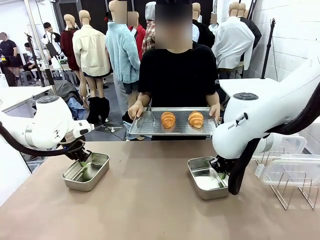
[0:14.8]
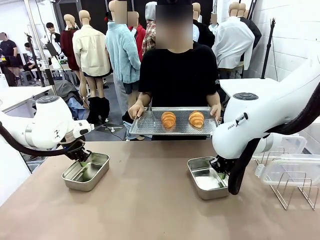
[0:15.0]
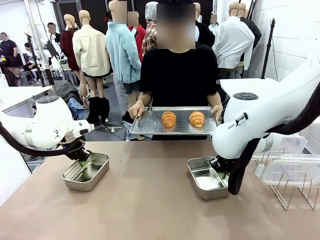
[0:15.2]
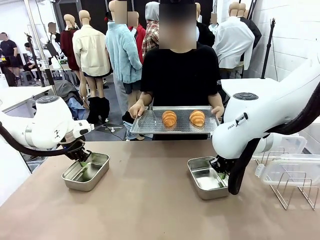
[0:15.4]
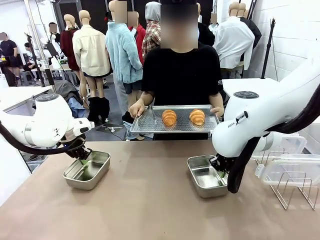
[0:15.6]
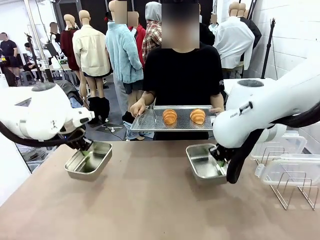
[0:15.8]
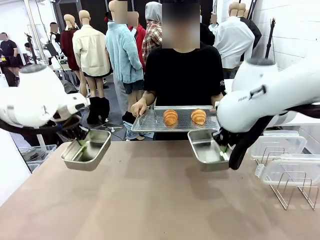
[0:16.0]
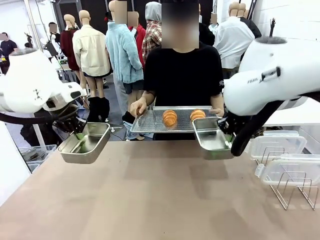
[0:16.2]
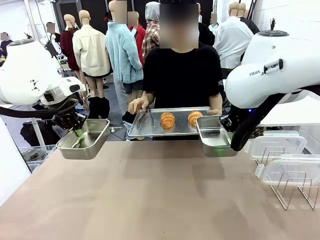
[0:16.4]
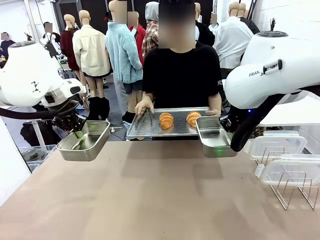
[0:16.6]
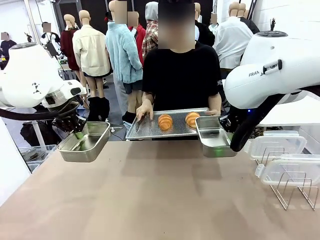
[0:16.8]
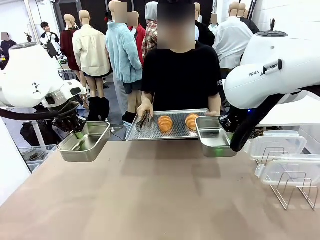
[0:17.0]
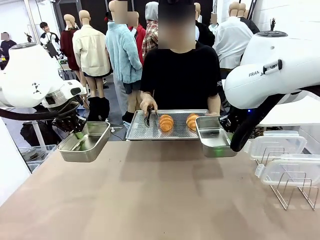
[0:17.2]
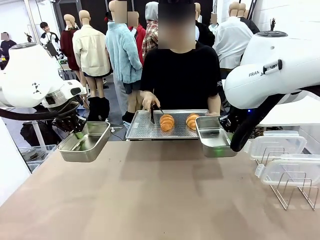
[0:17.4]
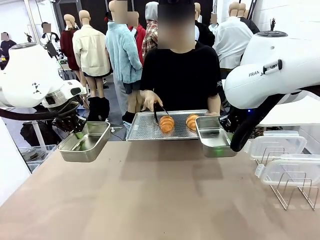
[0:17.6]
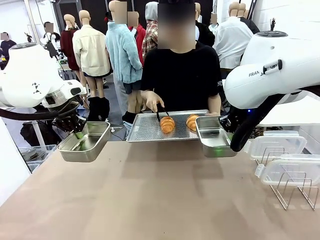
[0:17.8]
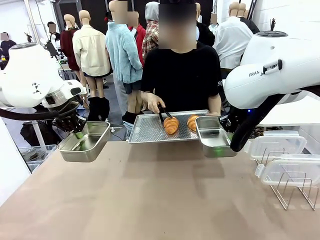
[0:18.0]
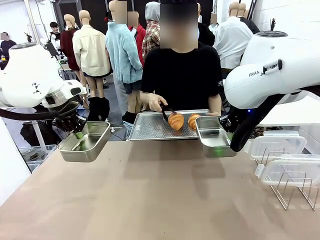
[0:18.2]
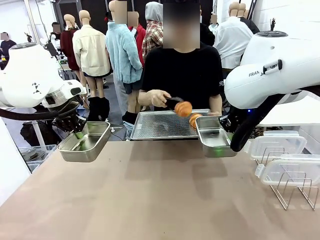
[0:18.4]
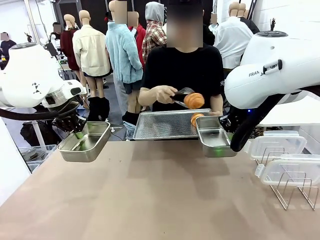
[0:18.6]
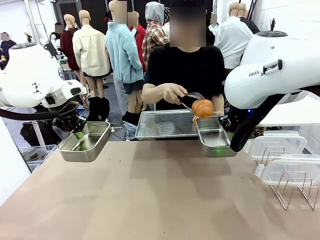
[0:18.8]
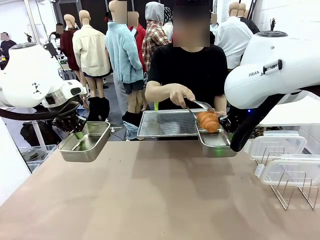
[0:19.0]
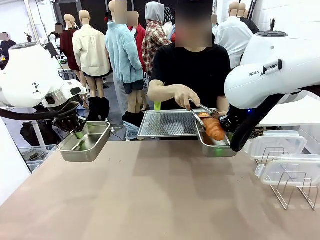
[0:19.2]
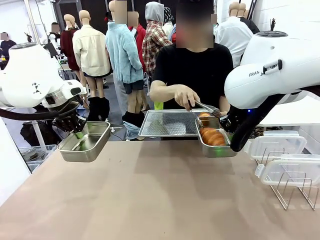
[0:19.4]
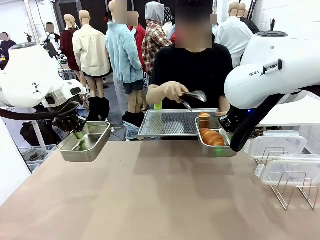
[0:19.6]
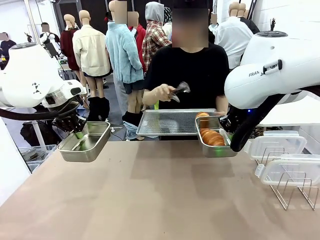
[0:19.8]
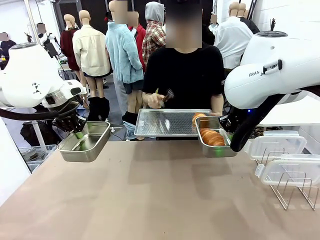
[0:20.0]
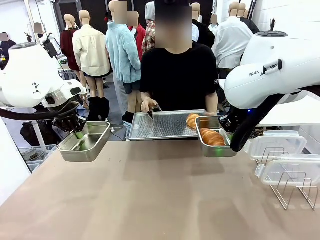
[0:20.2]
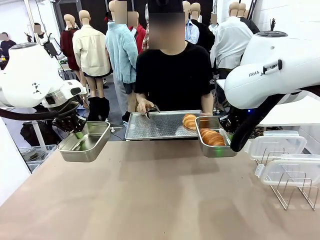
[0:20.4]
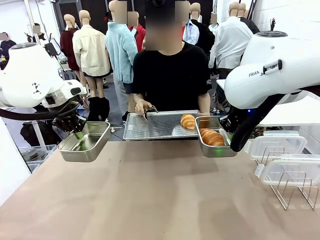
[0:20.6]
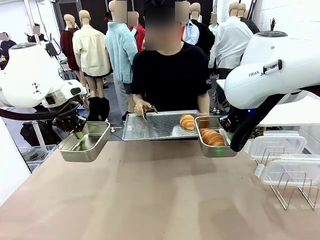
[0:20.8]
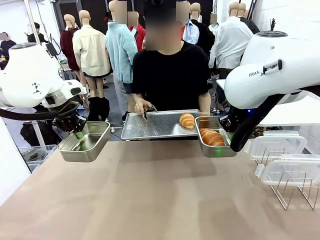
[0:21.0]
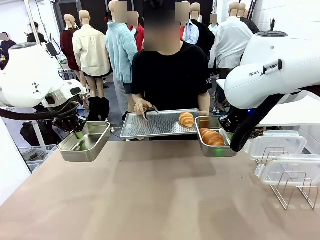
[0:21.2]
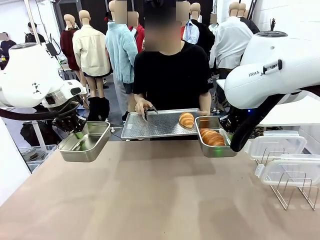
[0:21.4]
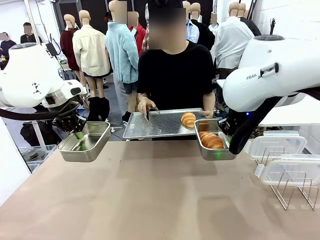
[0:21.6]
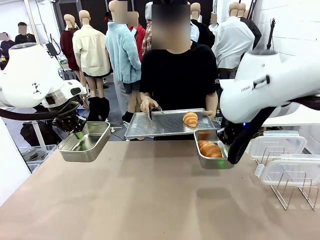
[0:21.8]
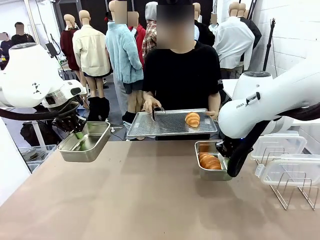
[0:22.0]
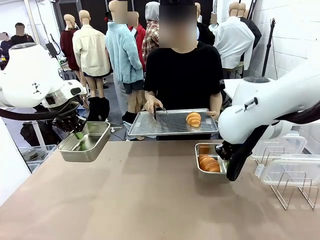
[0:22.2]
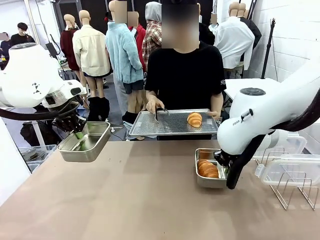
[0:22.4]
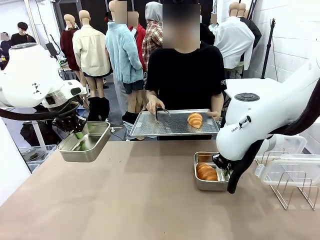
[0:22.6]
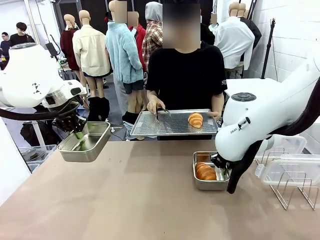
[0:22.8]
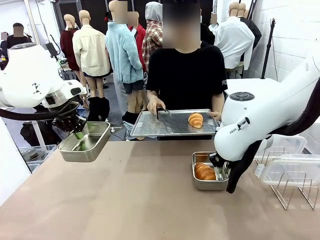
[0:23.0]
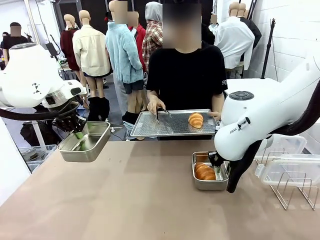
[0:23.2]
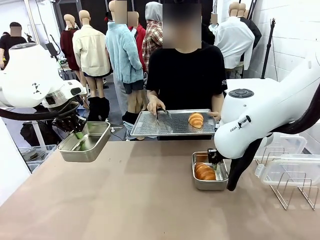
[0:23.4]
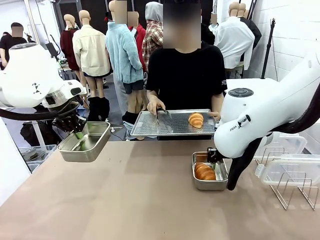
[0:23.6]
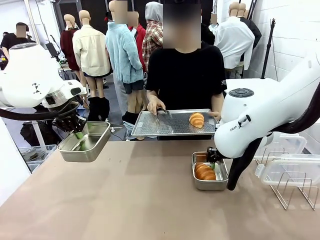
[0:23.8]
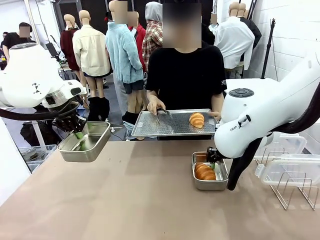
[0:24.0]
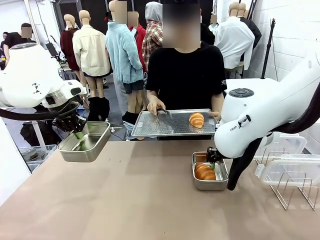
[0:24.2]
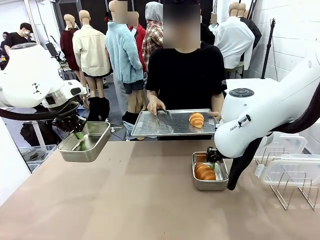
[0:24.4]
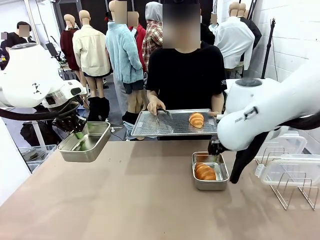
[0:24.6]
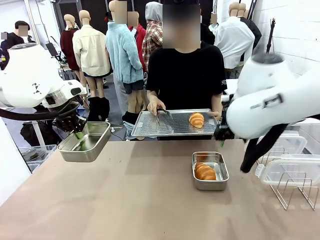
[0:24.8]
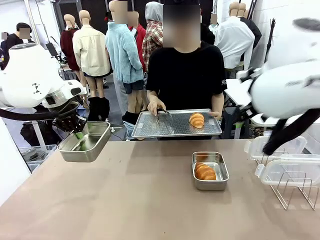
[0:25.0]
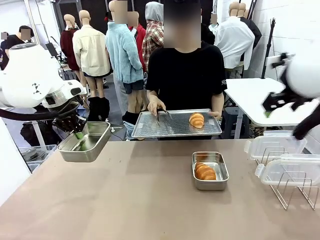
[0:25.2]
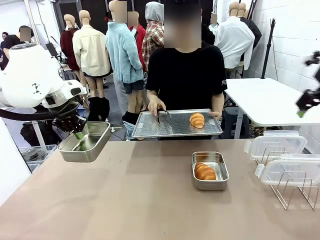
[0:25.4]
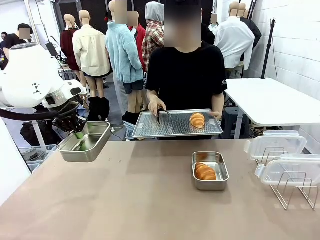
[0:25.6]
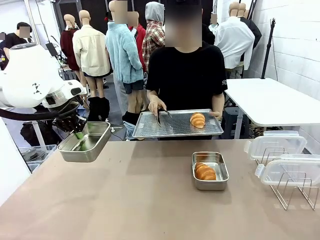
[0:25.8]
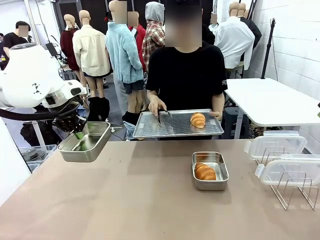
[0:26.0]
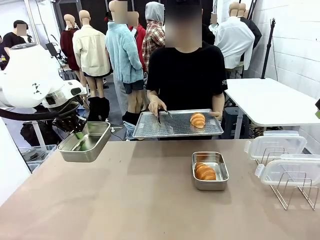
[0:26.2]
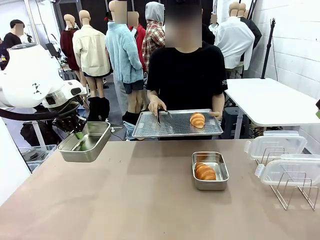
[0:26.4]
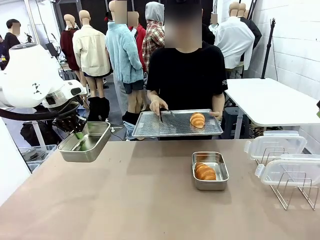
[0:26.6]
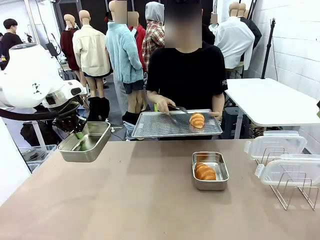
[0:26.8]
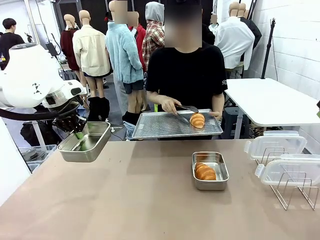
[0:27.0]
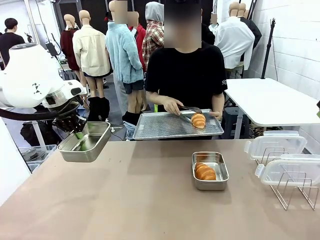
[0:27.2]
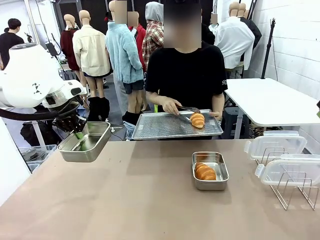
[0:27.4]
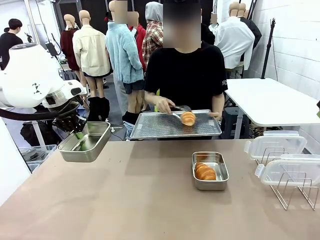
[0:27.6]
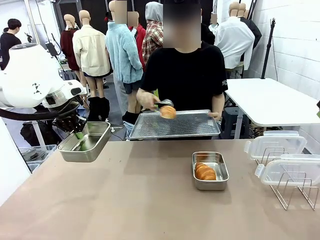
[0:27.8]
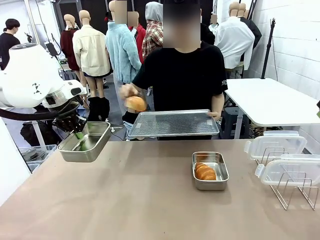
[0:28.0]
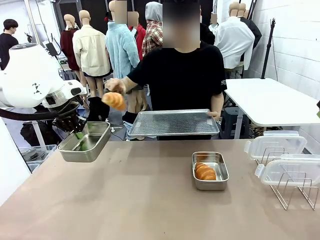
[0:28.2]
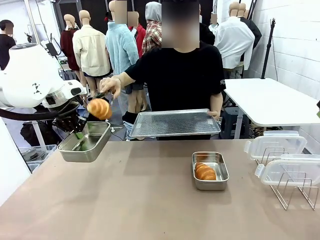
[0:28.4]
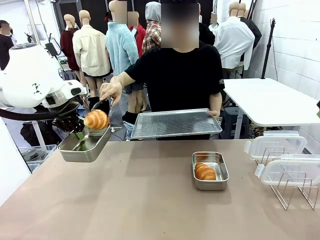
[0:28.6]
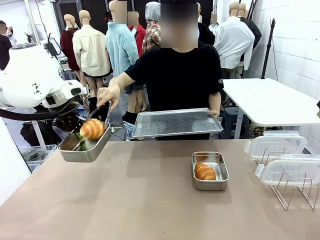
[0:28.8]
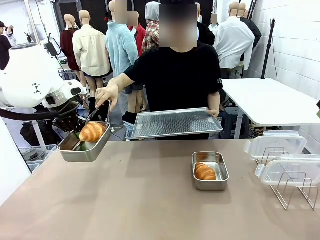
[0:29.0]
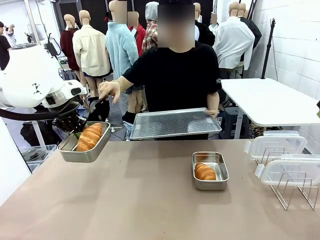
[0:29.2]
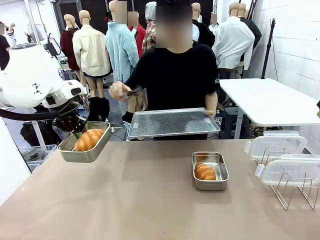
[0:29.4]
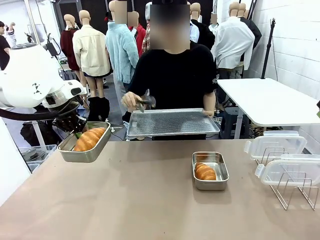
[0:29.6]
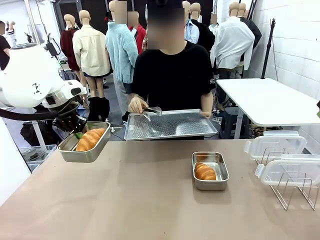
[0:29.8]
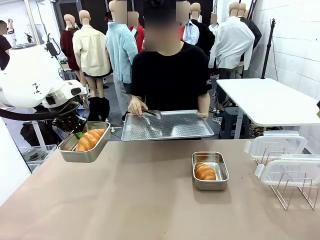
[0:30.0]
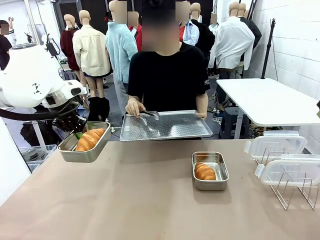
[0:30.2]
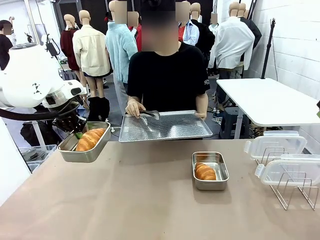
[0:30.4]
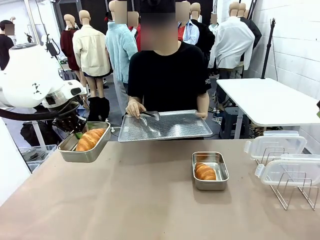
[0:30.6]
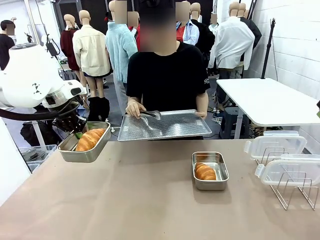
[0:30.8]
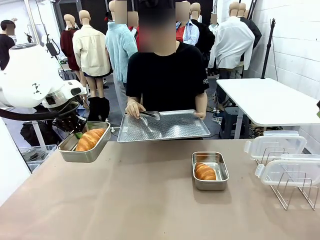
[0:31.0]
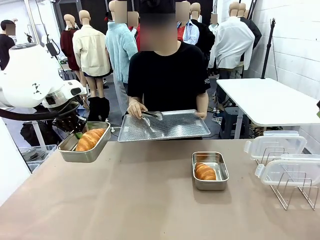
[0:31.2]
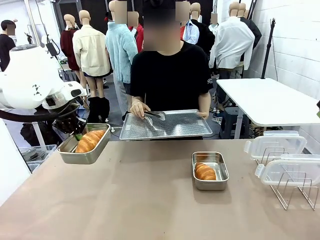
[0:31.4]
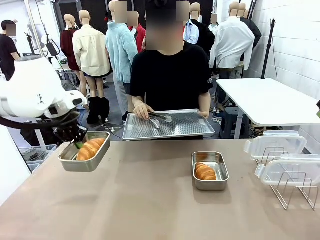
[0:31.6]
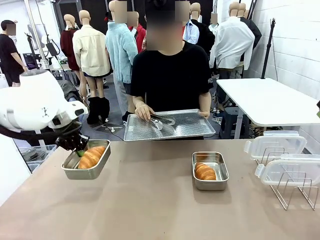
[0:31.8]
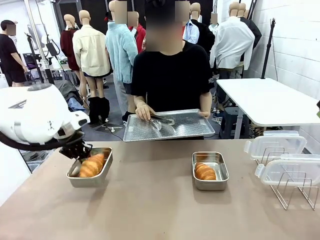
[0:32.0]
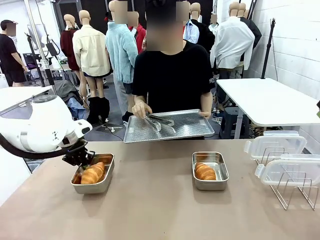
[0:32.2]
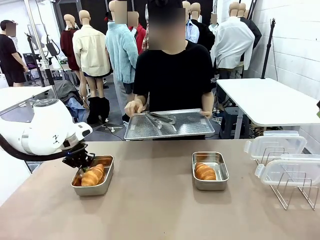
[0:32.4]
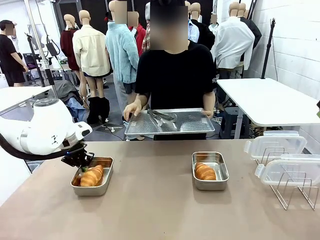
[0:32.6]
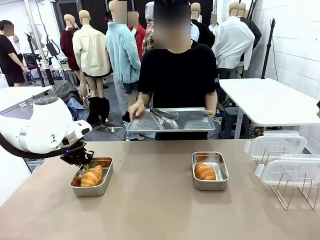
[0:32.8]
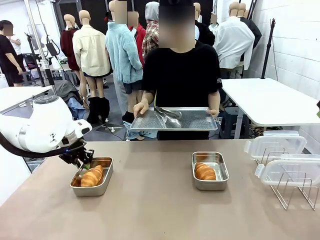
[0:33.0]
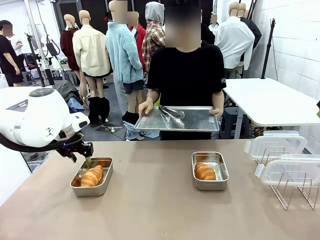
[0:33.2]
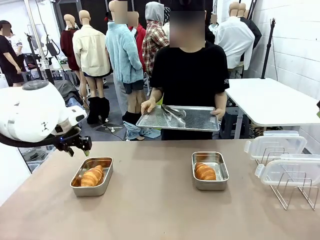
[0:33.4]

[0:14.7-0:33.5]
Task: Place the bread in airtight containers.
Robot: Once an object is inside an Airtight Container , place the container in the center of the table.
Person: Use the Stainless steel tongs to place one object from Baking Sheet into one Airtight Container.
